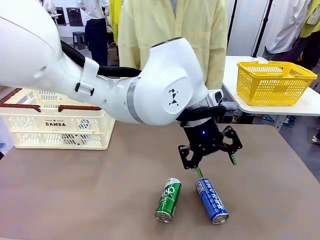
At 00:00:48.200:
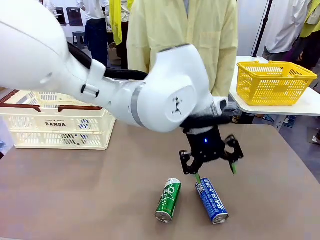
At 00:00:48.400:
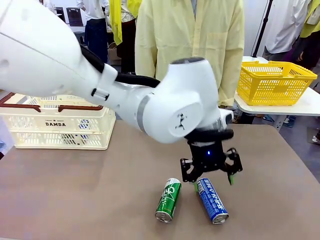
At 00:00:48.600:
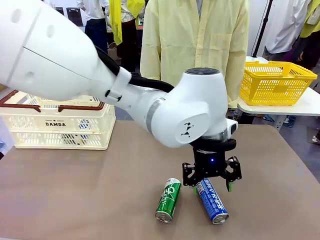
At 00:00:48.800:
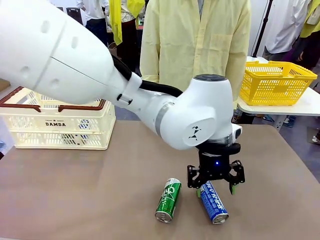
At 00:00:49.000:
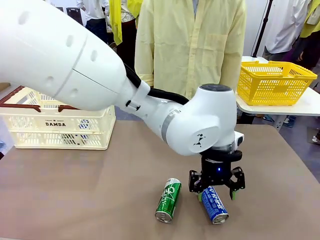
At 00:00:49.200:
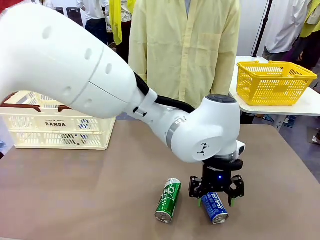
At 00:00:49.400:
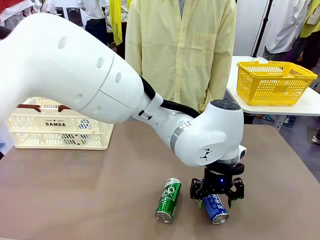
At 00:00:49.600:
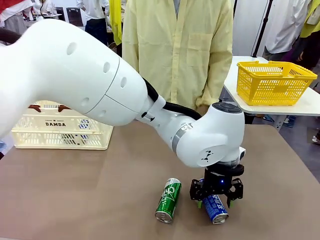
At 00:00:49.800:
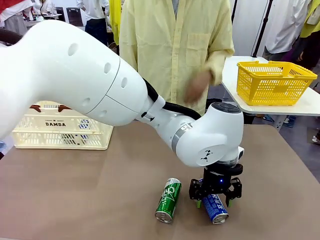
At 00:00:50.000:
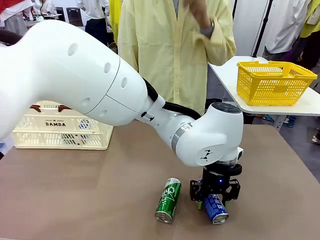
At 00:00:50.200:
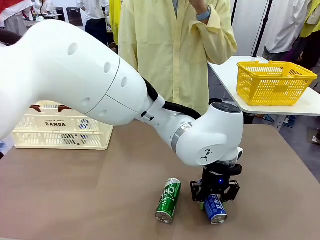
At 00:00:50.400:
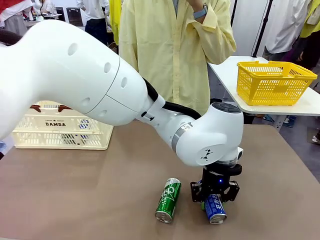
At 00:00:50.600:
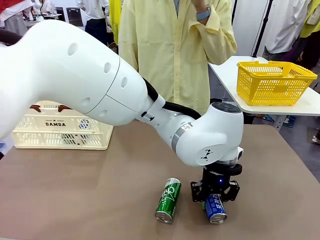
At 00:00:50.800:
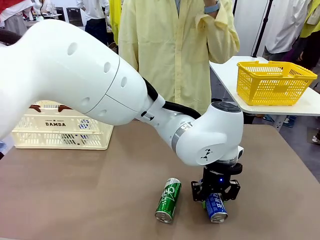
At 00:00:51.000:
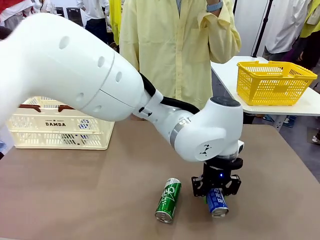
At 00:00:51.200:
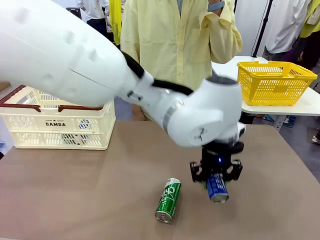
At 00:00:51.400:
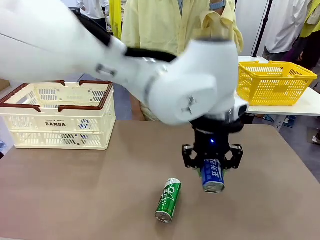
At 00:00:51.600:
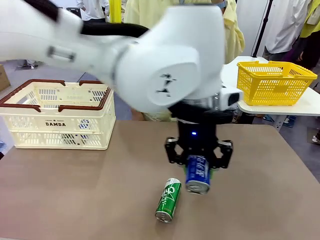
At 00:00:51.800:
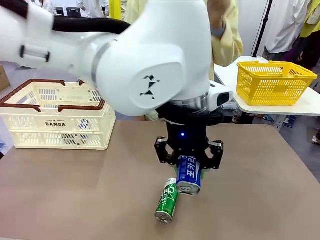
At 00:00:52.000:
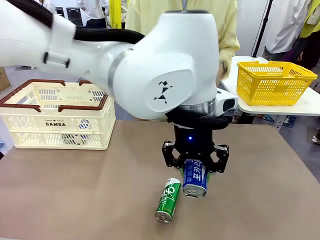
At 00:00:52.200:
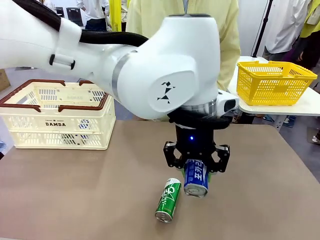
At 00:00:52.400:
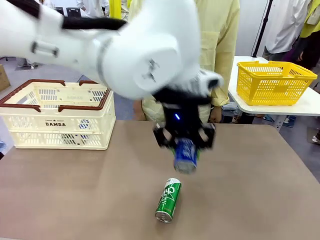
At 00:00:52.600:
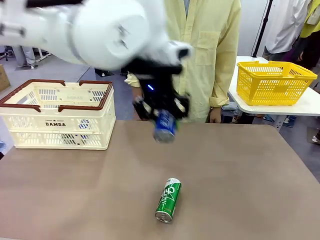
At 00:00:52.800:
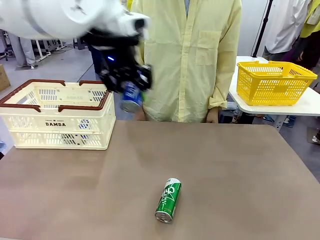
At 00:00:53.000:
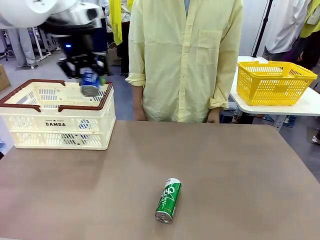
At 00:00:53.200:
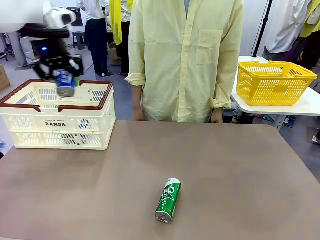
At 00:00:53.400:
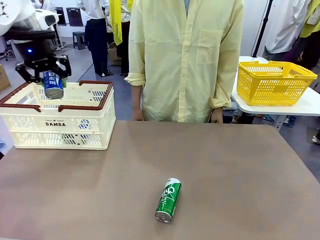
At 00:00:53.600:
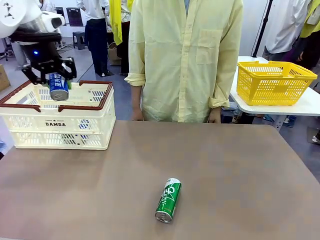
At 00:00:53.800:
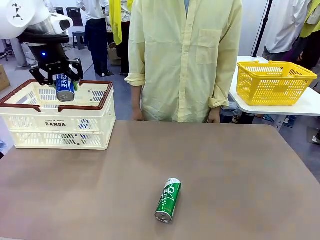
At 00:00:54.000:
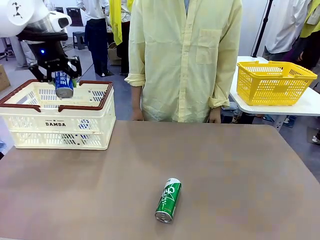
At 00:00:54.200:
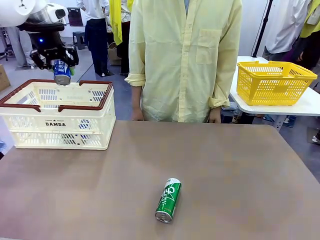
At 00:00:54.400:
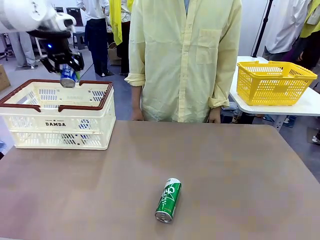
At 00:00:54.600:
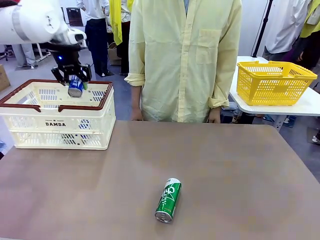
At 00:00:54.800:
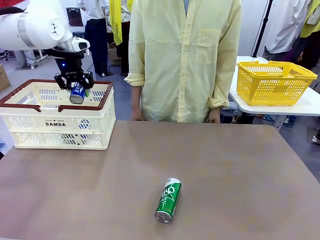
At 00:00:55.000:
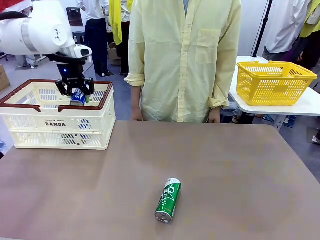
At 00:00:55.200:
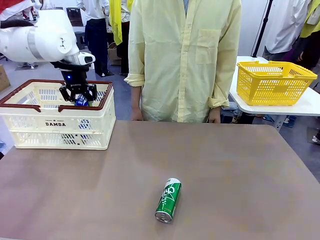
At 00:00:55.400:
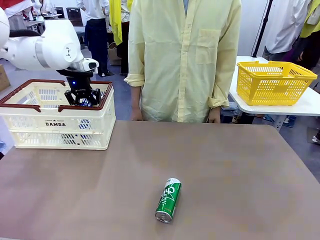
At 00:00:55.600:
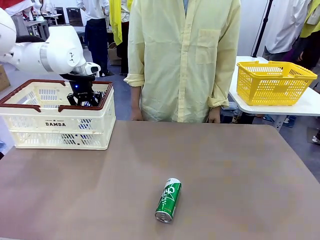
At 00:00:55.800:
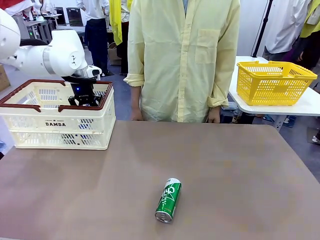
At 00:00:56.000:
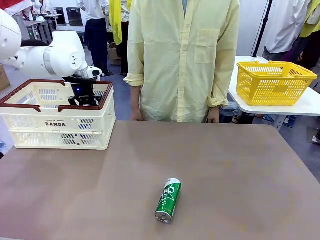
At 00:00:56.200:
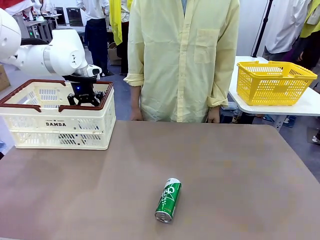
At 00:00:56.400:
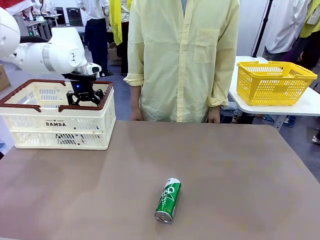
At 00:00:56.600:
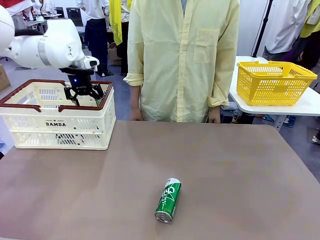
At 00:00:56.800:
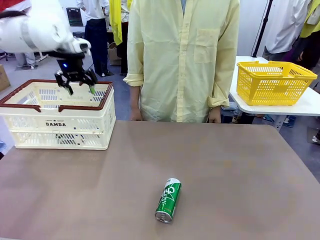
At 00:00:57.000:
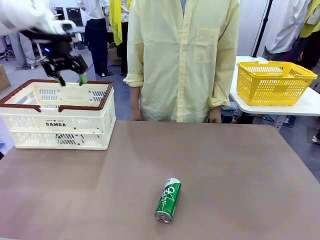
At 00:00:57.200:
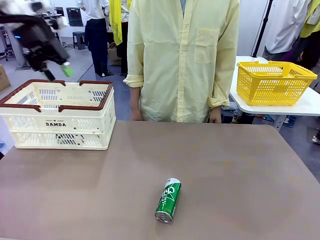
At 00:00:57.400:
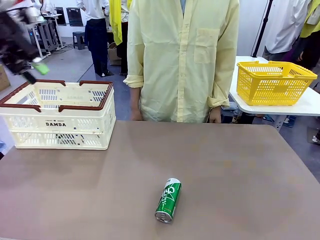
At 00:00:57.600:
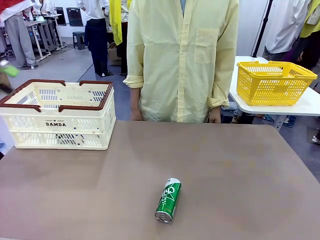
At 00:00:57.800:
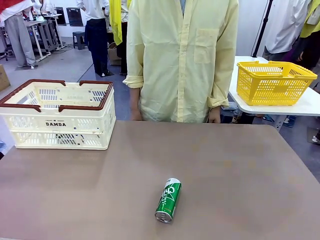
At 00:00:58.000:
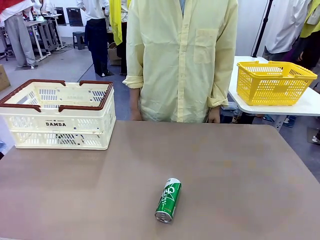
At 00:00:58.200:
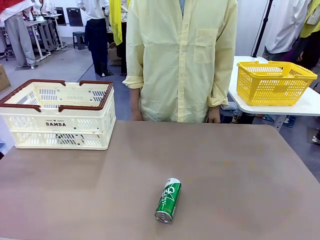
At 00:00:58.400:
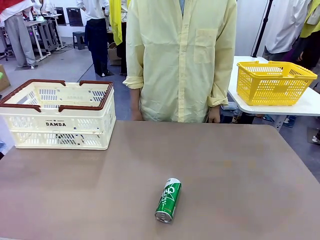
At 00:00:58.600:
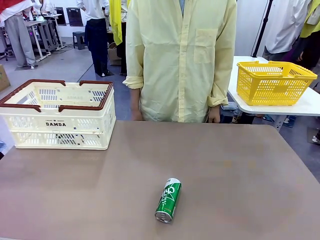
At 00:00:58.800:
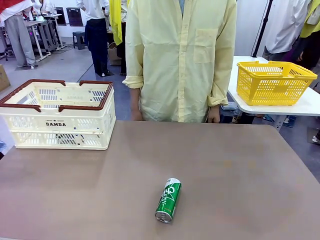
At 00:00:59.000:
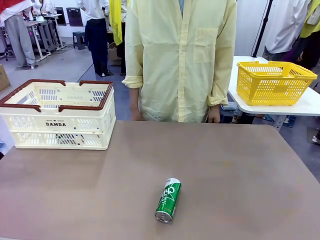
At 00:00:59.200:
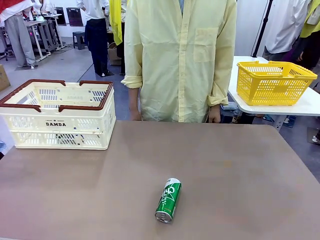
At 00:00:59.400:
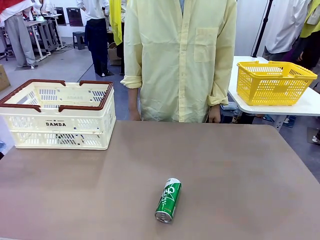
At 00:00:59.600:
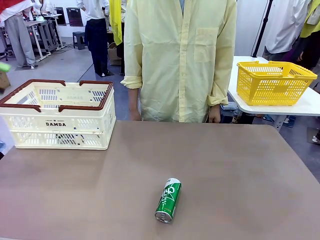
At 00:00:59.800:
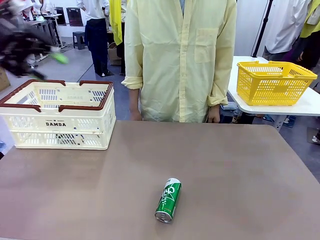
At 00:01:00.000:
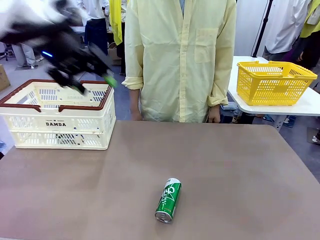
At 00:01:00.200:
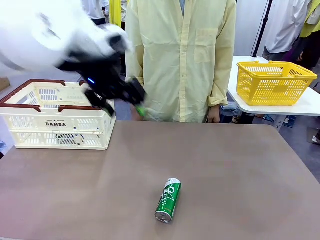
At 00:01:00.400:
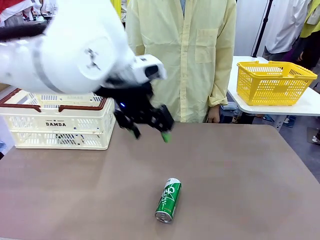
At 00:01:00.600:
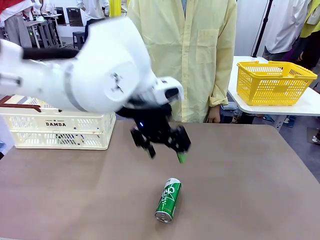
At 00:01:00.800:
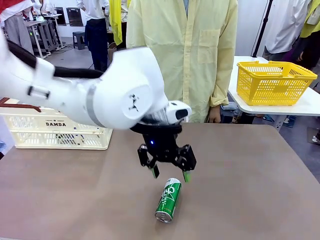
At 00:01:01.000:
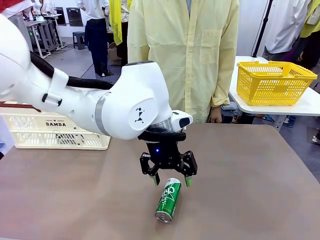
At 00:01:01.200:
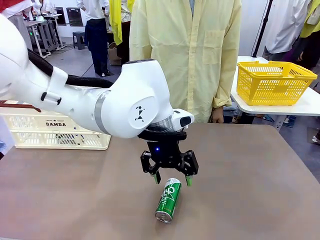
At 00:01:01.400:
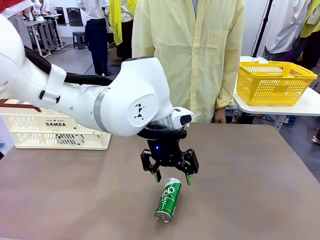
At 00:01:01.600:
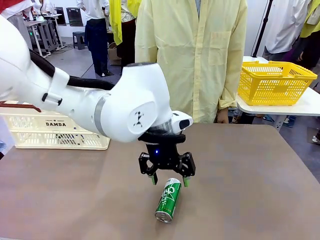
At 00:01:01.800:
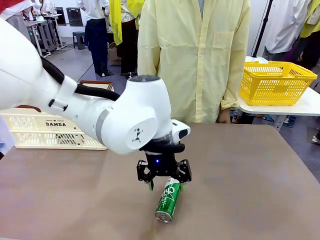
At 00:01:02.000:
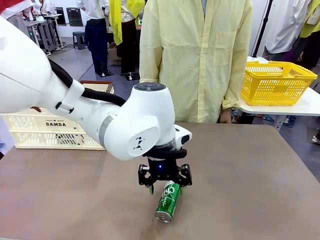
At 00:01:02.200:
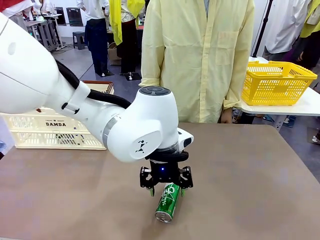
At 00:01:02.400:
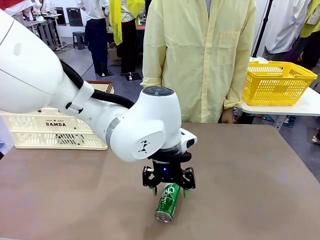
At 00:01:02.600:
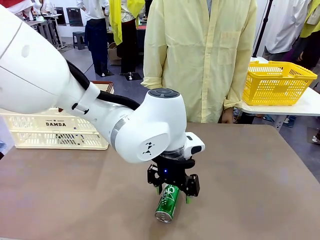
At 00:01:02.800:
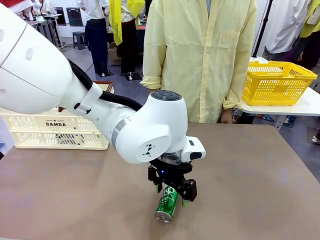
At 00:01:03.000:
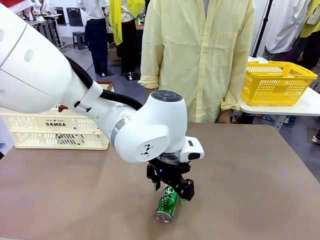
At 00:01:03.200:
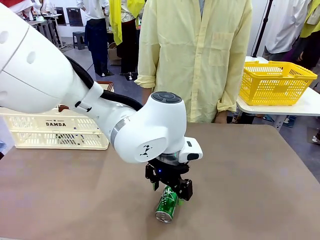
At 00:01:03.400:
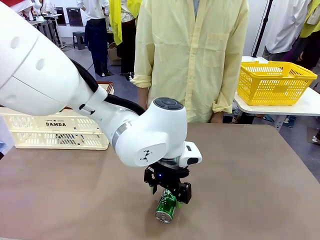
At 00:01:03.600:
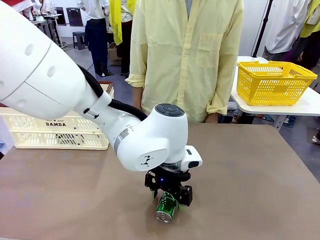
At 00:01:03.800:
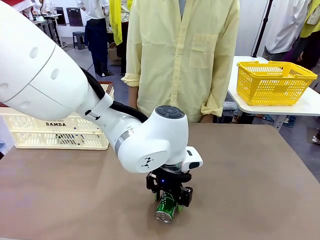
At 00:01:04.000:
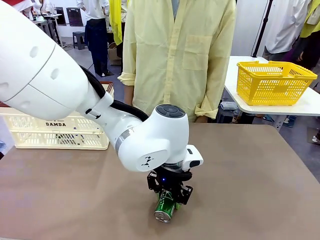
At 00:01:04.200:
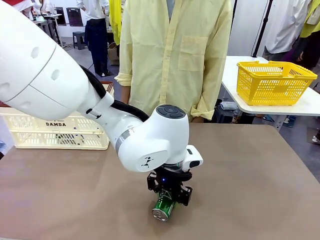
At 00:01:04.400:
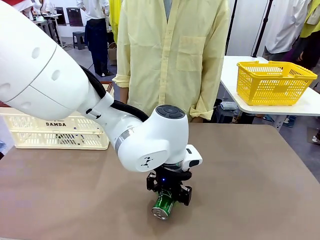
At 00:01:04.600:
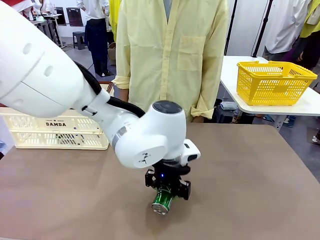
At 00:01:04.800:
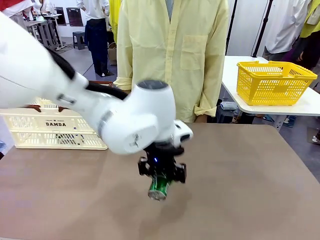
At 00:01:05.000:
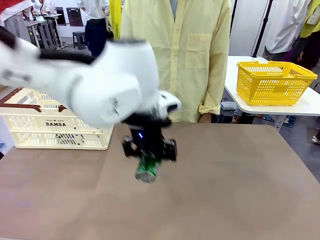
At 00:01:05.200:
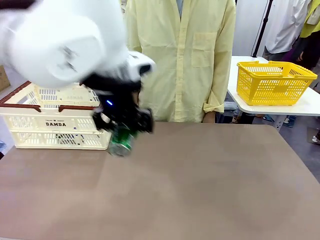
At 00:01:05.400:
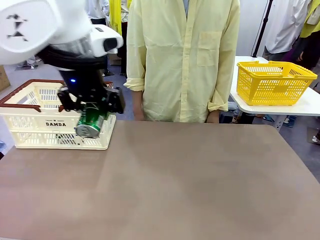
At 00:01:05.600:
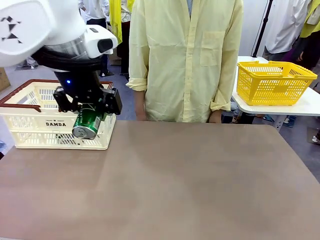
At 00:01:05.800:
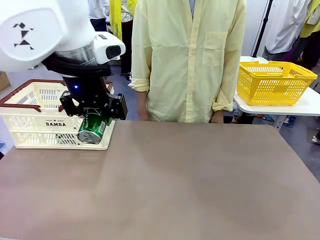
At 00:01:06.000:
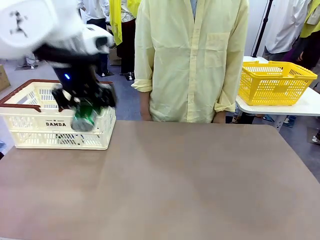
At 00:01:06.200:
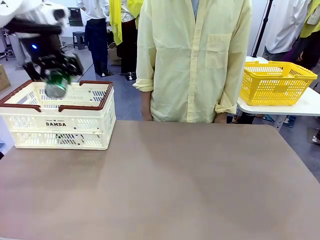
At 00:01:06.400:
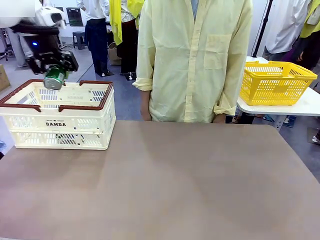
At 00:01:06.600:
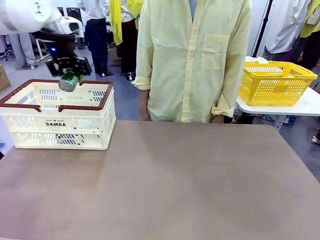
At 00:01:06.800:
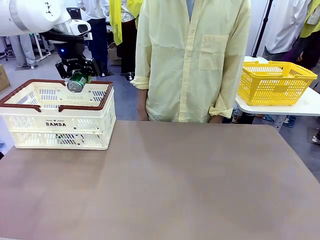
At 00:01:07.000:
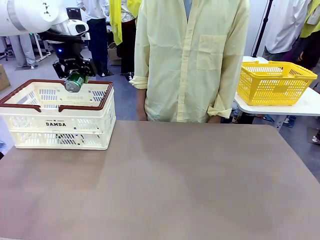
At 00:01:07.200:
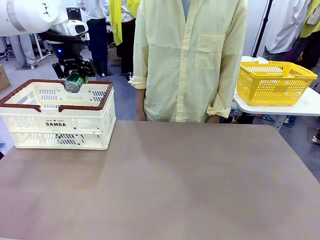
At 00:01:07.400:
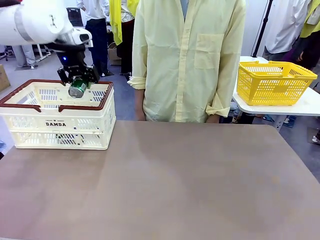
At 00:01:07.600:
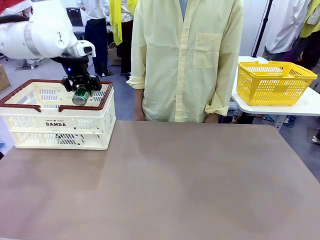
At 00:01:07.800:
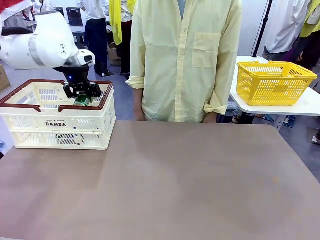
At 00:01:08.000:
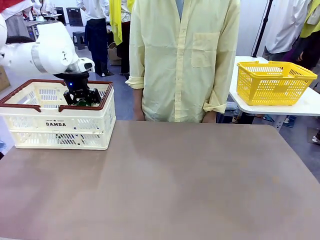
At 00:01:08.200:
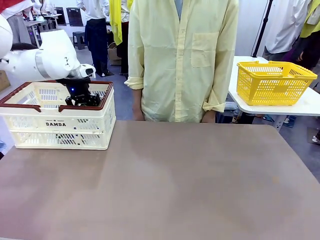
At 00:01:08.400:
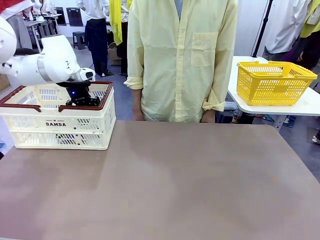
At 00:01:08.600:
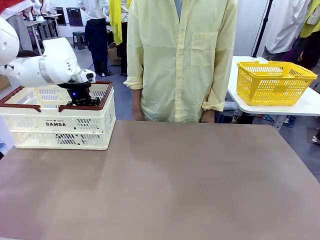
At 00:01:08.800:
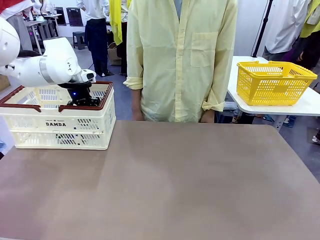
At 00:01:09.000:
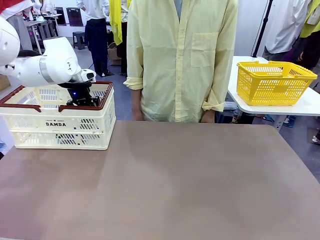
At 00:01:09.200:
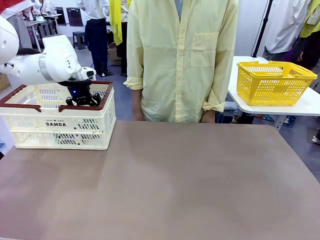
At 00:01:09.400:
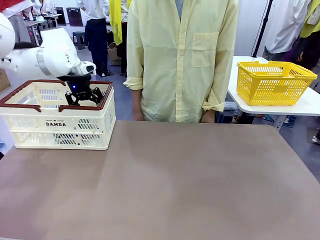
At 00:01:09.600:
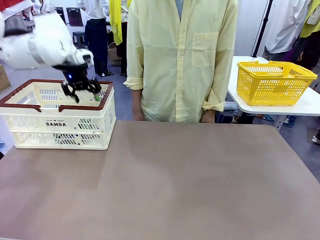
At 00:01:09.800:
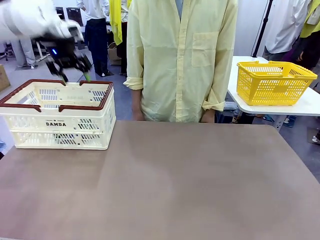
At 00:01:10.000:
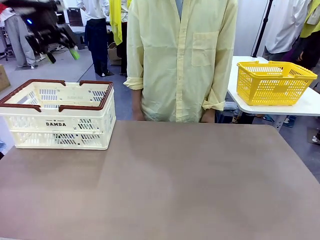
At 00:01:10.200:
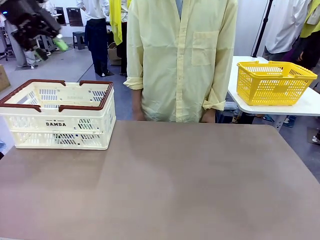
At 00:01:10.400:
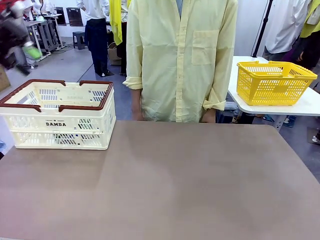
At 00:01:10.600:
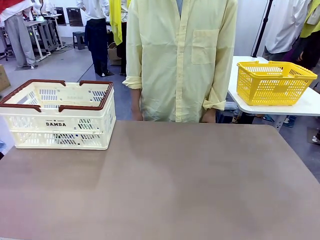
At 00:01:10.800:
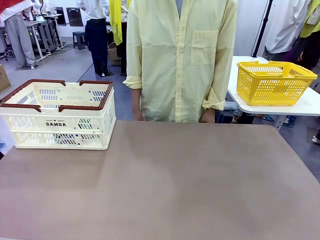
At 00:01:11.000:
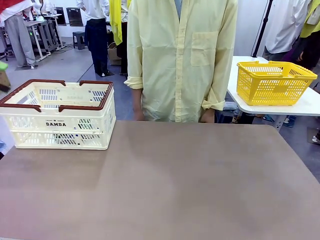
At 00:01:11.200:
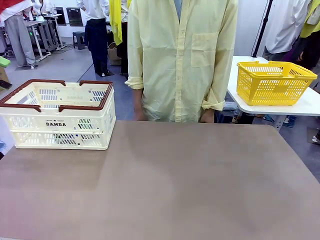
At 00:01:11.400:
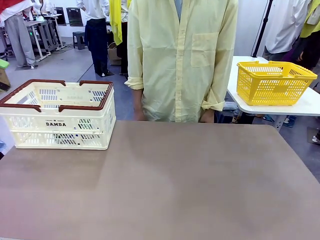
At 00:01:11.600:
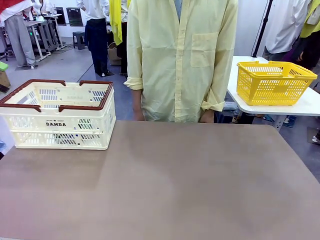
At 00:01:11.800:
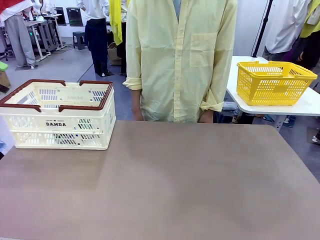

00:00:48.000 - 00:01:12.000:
Task: Place the drinks into the Shopping basket.
Robot: Pick up one drink and place it into the Shopping basket.
